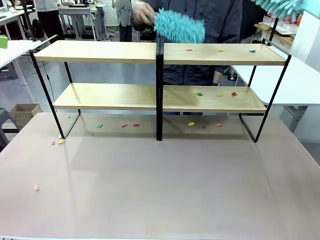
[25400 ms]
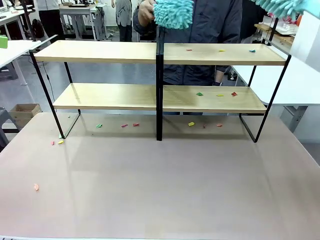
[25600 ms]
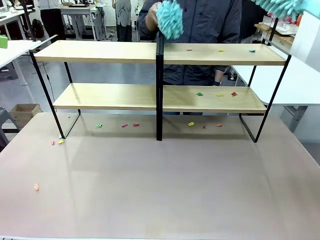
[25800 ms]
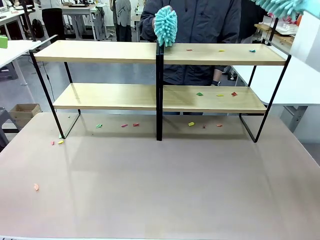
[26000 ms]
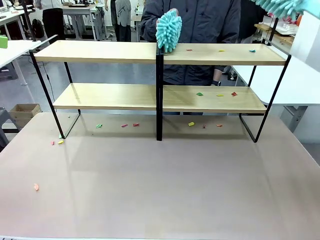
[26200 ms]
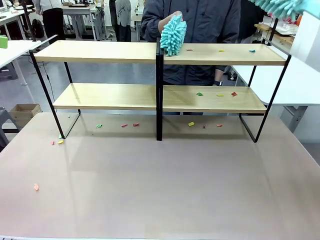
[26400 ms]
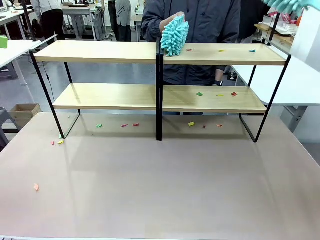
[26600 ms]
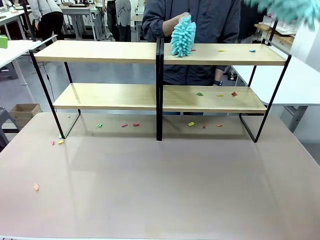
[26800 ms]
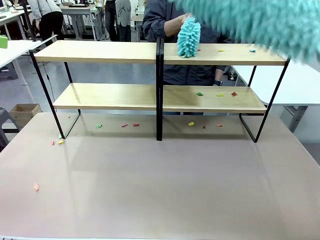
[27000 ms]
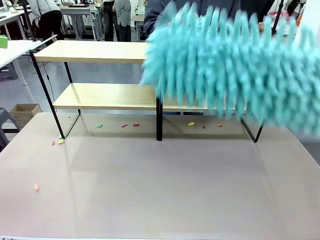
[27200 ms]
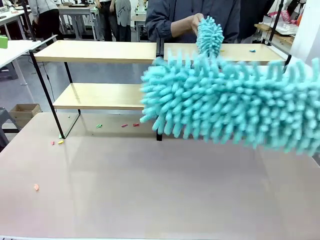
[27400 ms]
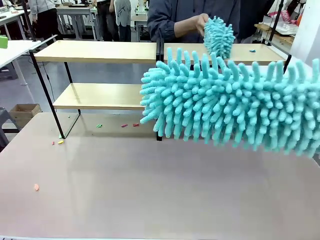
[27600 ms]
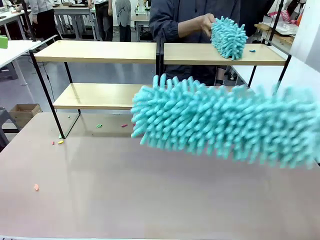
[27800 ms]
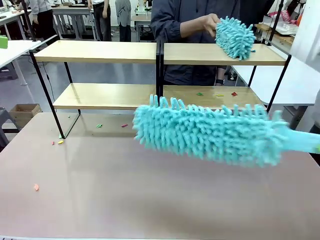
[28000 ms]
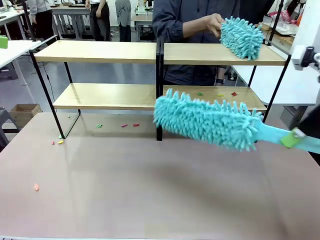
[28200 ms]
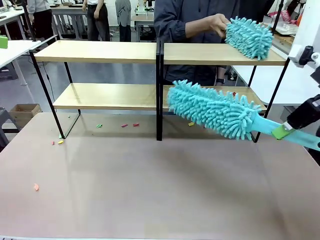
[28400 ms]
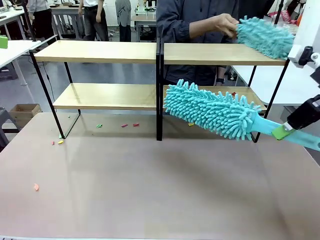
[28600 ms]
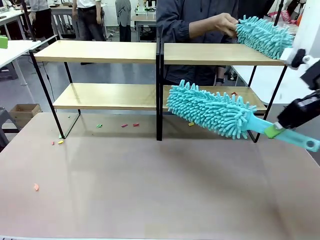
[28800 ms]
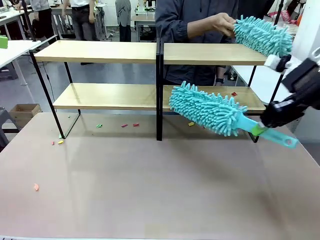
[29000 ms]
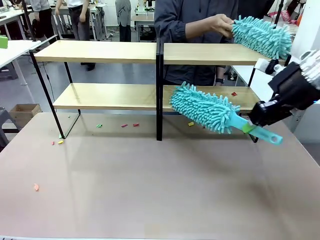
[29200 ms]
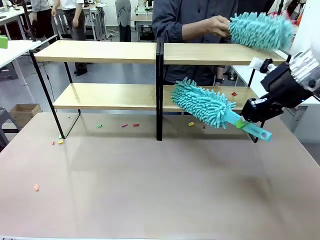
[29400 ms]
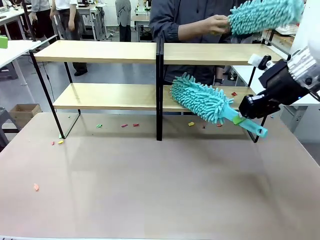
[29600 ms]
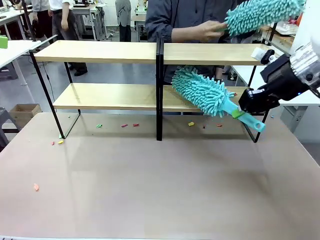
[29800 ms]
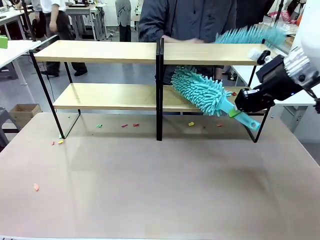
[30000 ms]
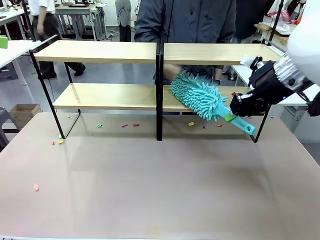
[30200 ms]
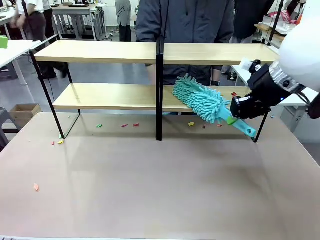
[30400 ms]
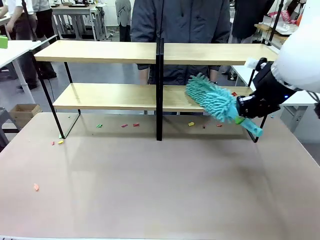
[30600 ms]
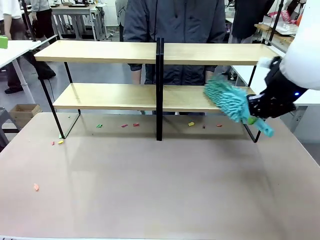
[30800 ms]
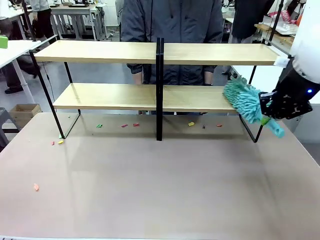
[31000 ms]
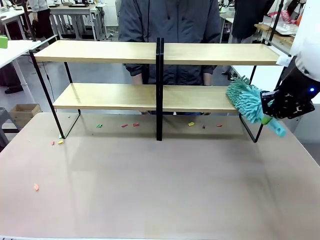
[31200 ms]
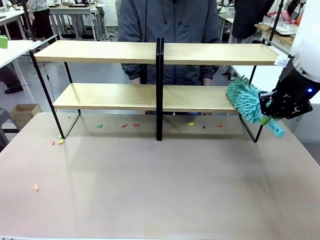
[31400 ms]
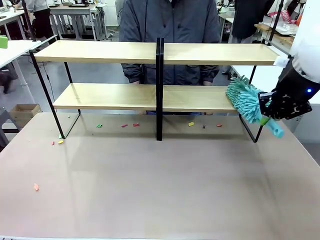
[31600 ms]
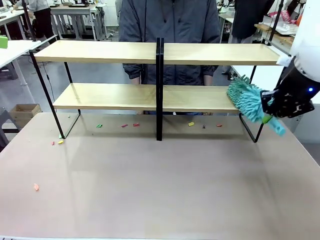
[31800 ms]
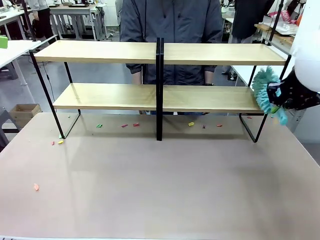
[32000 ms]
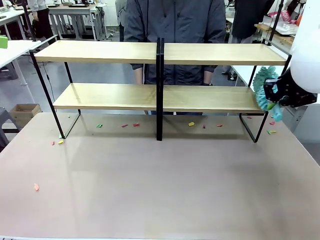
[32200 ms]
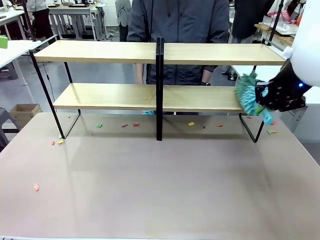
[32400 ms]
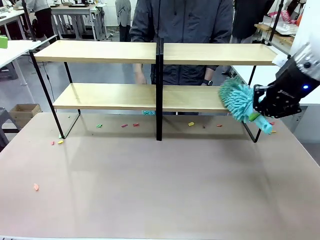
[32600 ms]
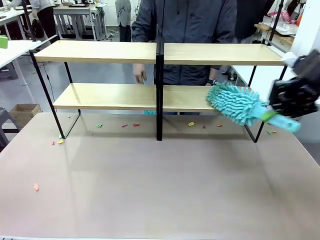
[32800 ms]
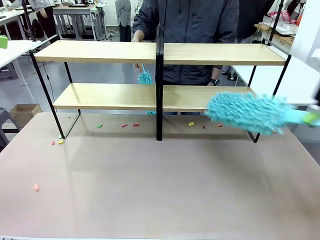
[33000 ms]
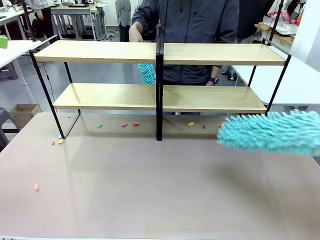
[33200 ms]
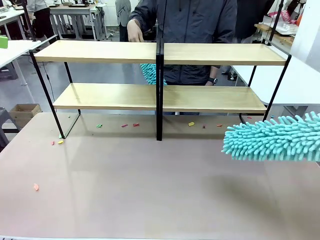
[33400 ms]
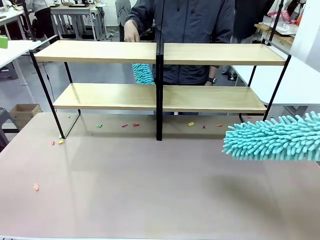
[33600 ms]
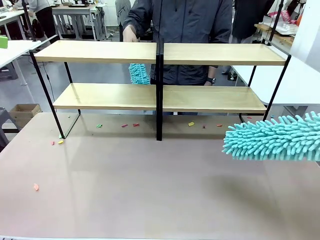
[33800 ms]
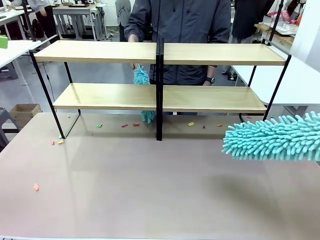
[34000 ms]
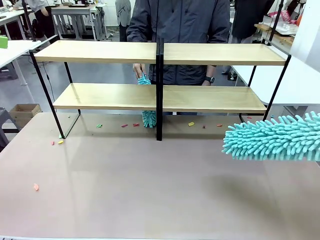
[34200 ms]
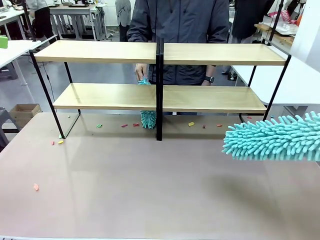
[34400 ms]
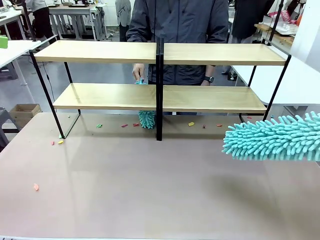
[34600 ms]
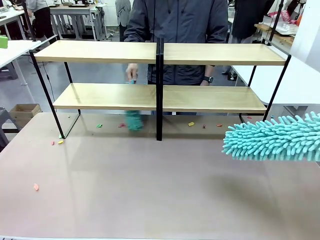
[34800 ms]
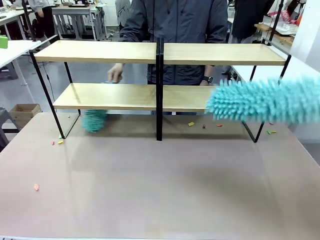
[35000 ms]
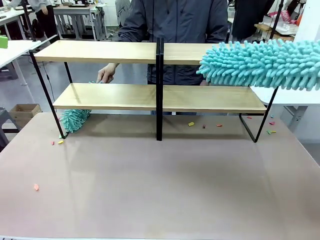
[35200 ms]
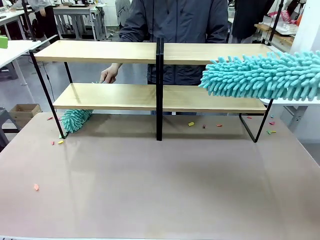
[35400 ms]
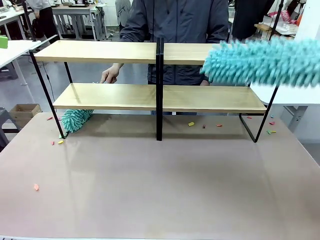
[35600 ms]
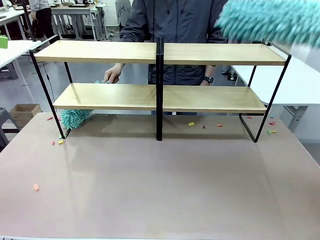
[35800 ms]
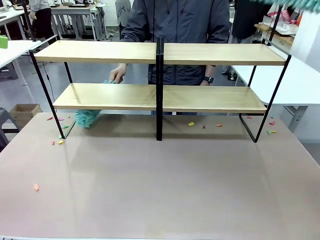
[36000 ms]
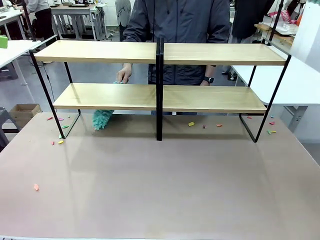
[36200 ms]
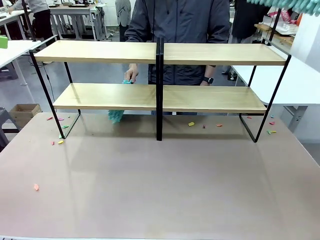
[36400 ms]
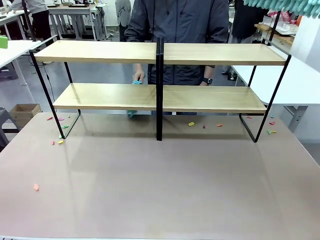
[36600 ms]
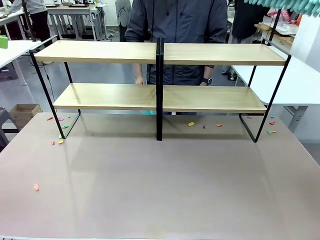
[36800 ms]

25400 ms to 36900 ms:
Task: Clean the shelves.
Robot: Clean another randomly selected level of the Shelf with the Duster.

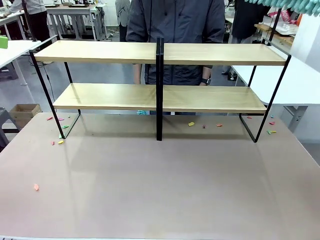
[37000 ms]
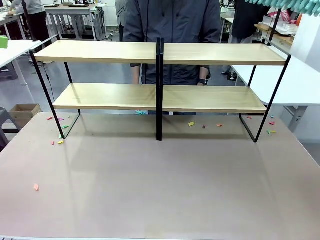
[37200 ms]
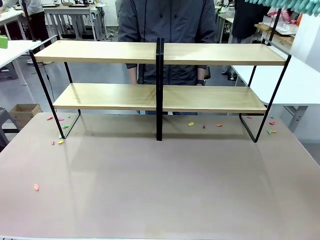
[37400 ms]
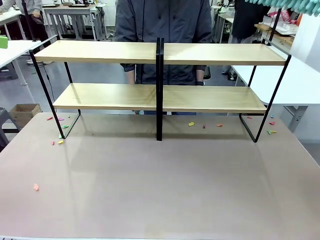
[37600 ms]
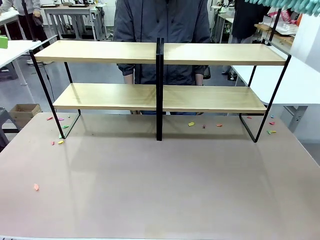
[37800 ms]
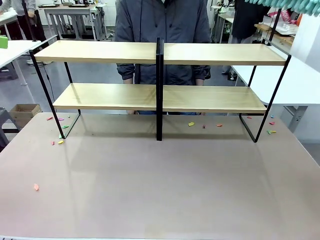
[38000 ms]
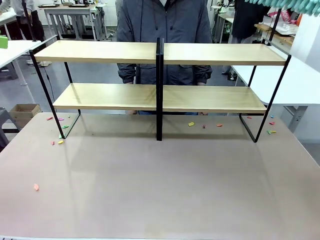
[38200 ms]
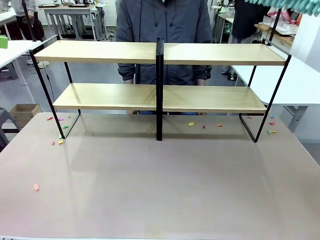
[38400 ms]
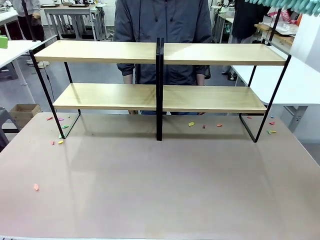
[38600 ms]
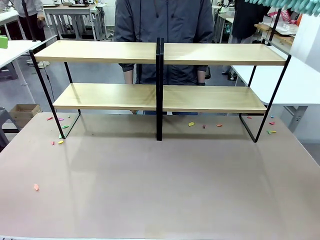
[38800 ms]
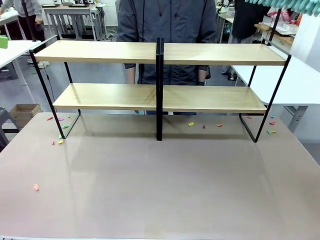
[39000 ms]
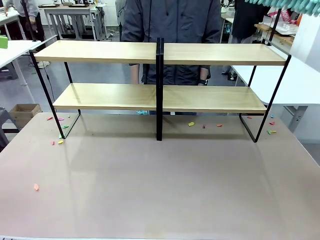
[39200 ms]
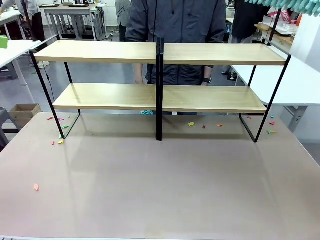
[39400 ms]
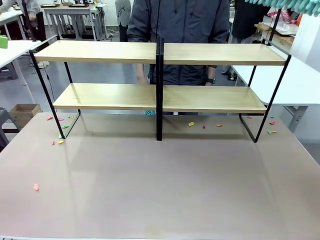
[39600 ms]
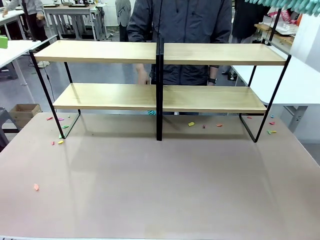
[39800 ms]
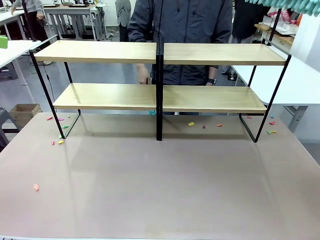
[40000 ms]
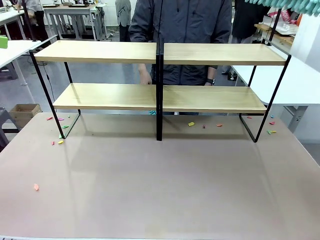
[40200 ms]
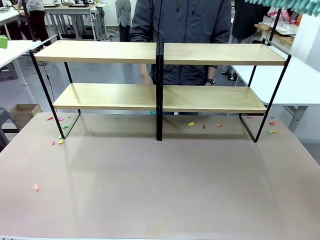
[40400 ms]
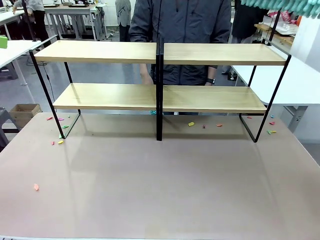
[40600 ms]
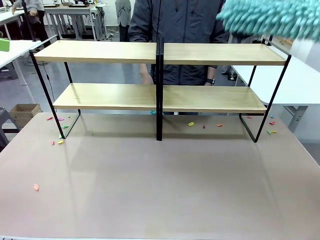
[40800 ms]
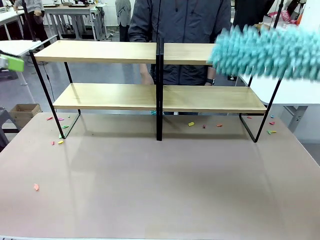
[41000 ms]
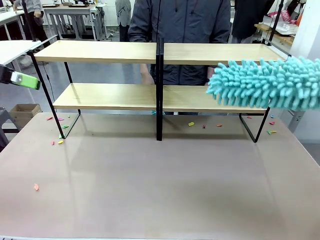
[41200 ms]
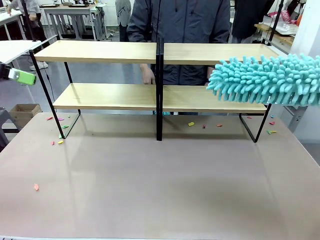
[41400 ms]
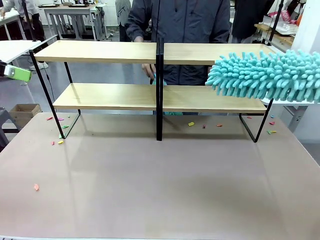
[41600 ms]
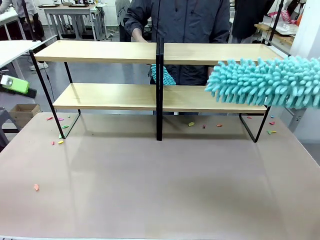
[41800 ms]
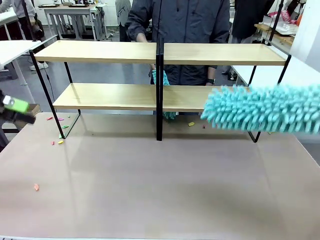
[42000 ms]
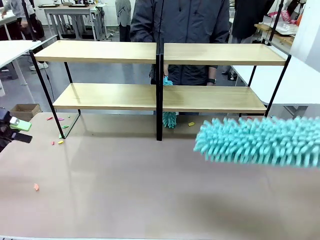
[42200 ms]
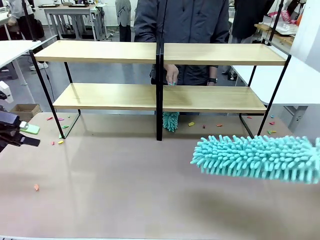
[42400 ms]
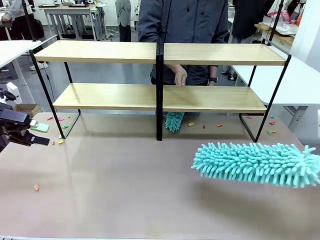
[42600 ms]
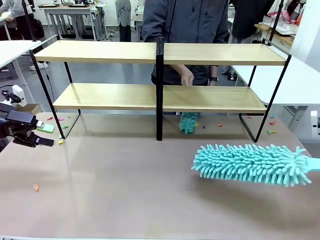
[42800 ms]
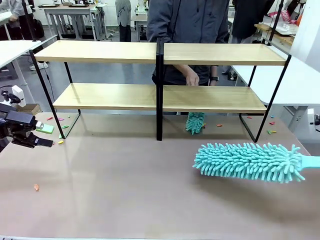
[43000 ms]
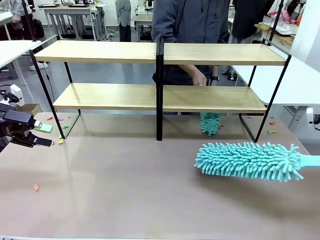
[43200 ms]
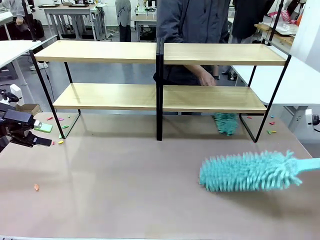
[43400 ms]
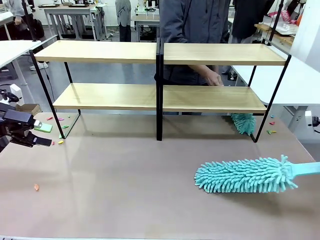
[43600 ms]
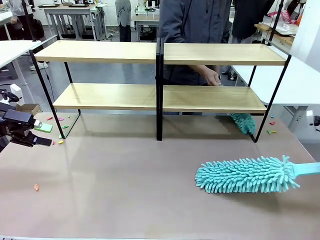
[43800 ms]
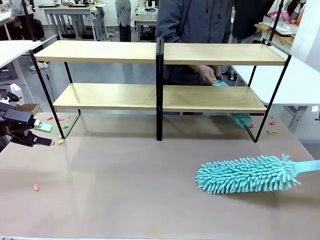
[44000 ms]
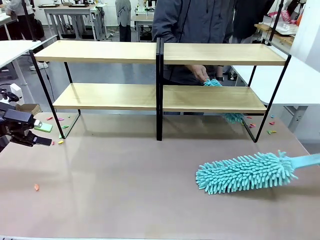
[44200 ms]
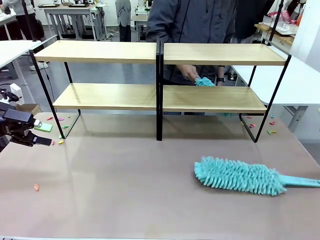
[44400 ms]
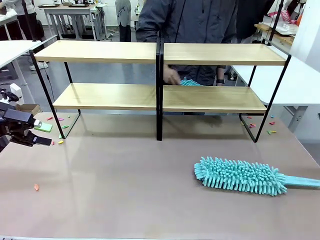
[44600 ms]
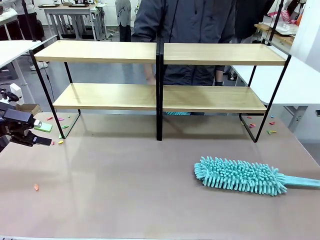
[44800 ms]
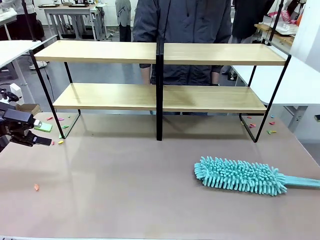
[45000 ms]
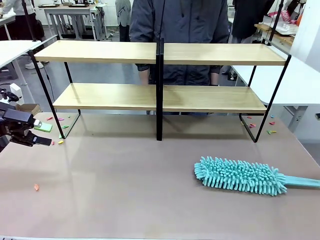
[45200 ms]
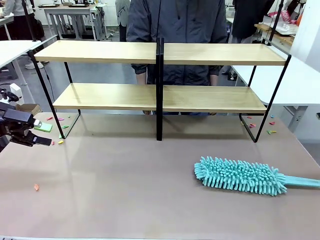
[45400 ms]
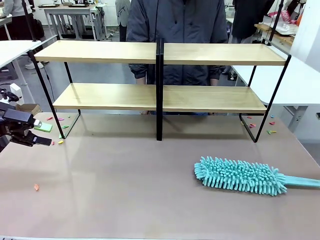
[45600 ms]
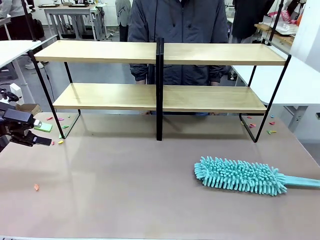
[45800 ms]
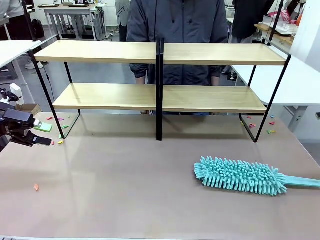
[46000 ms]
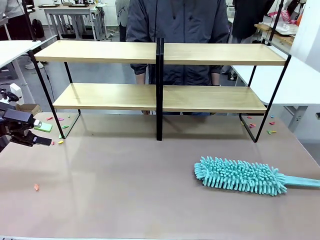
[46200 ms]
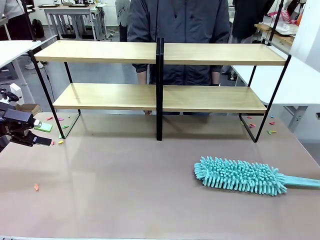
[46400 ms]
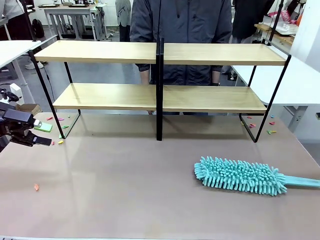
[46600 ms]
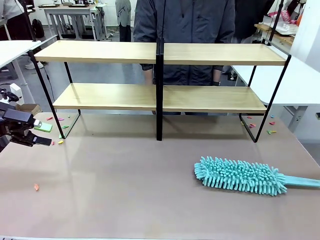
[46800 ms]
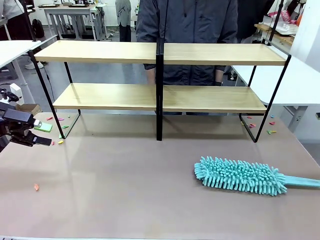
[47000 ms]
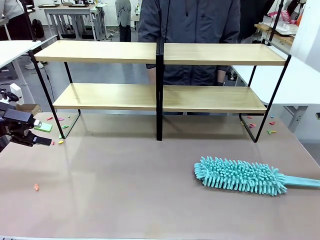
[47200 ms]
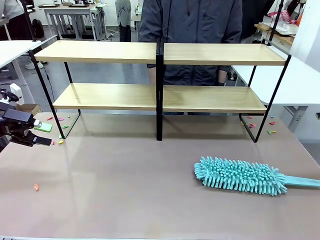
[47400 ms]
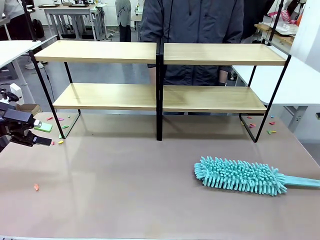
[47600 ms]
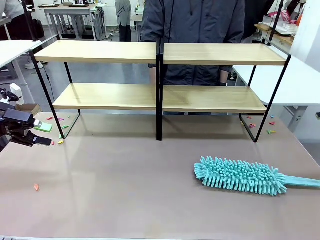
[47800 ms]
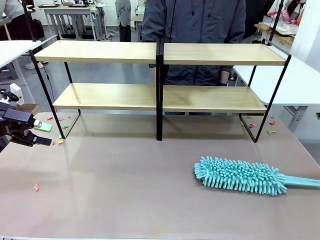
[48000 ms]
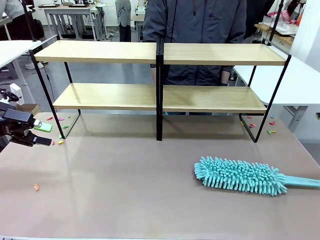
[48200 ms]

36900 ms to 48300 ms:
Robot: Place the Duster on the table.
